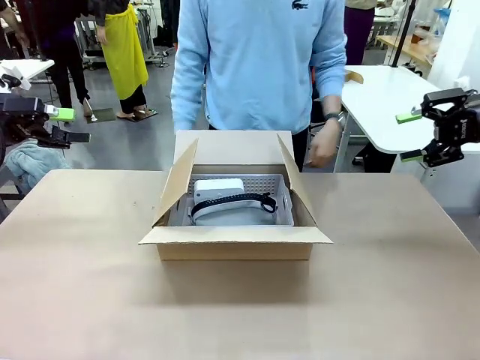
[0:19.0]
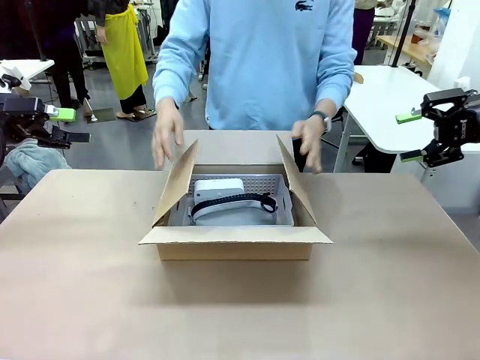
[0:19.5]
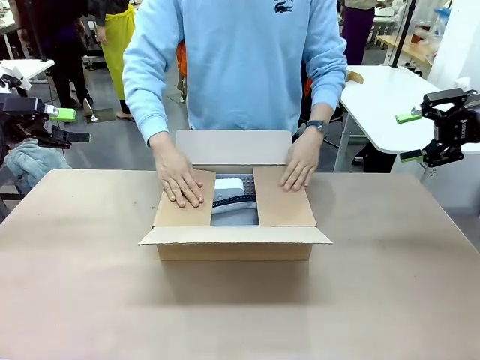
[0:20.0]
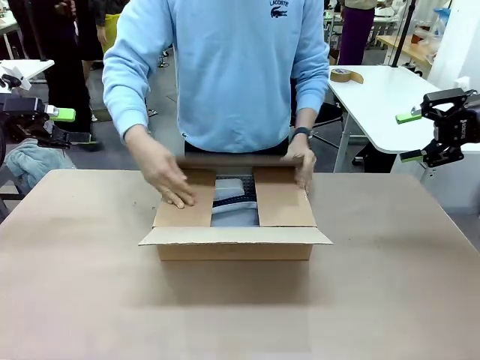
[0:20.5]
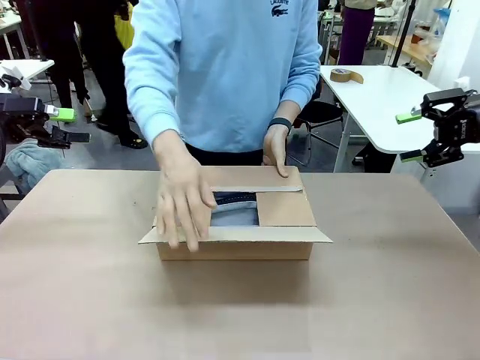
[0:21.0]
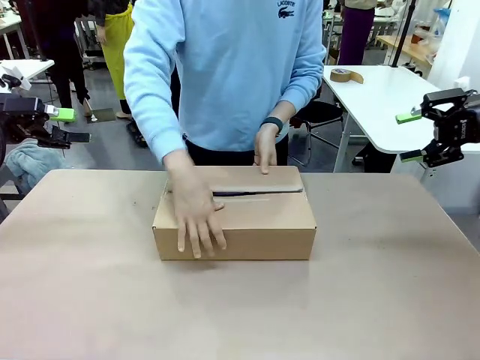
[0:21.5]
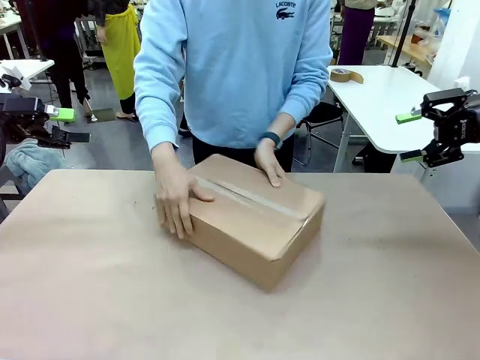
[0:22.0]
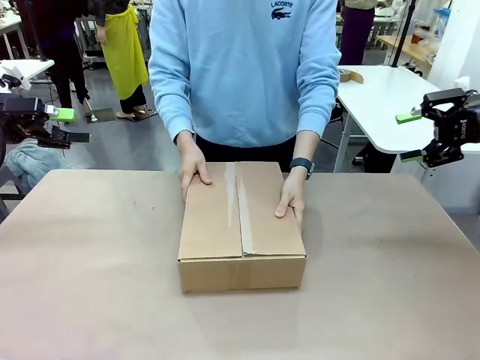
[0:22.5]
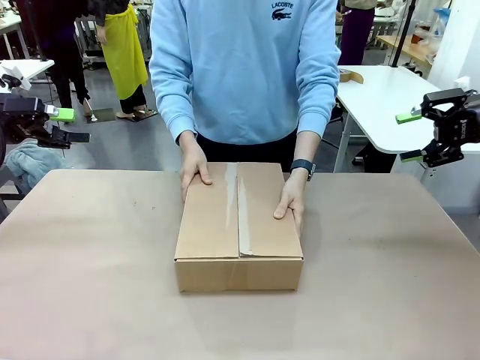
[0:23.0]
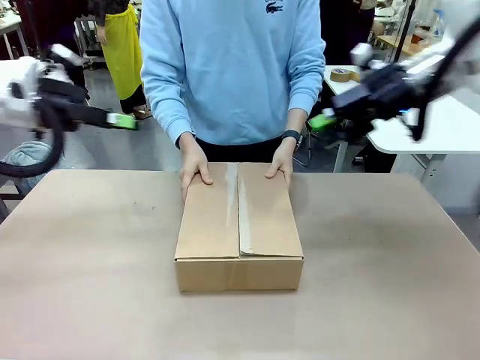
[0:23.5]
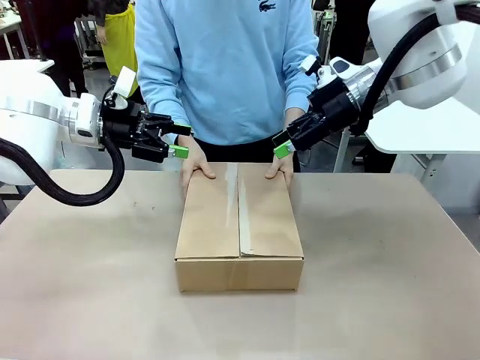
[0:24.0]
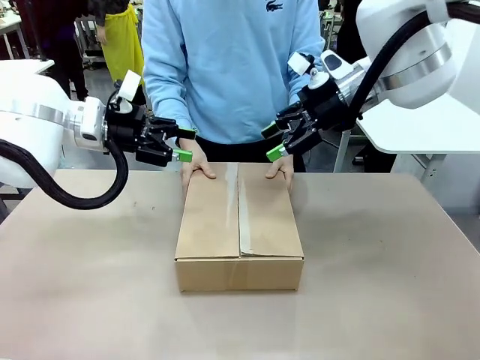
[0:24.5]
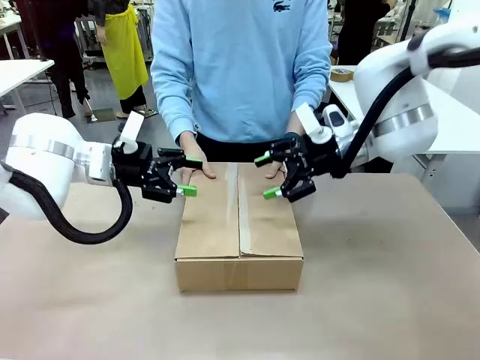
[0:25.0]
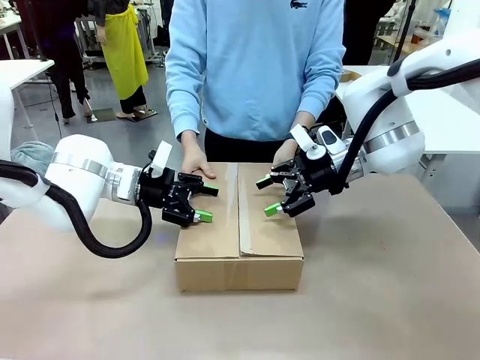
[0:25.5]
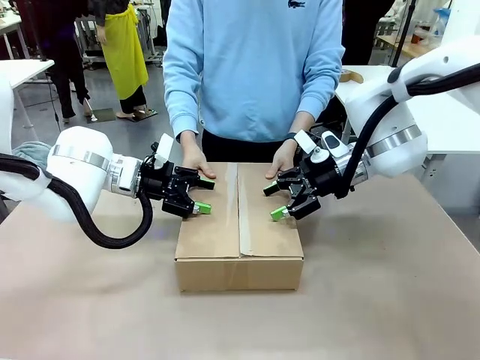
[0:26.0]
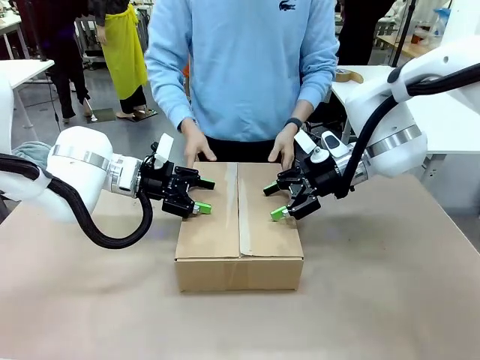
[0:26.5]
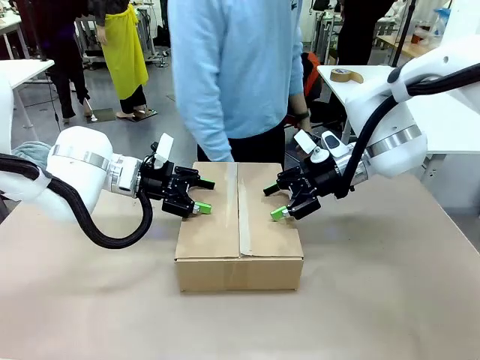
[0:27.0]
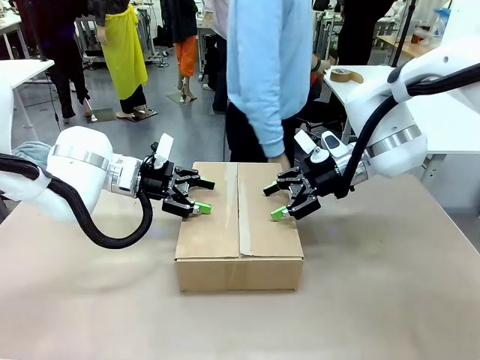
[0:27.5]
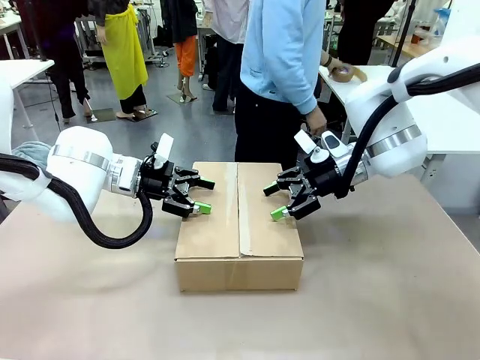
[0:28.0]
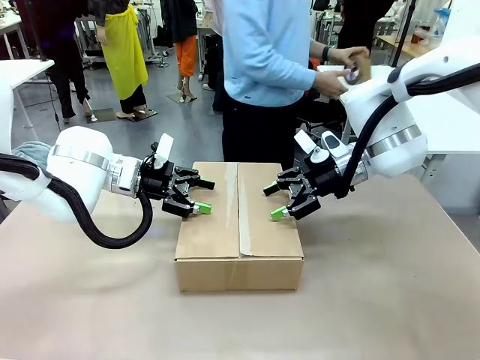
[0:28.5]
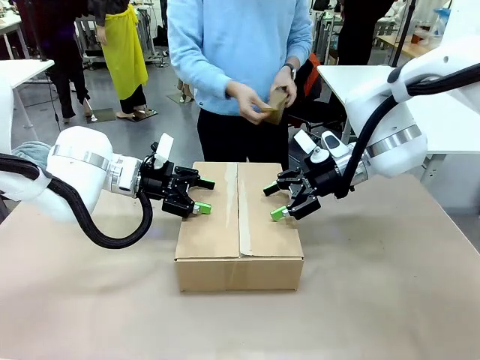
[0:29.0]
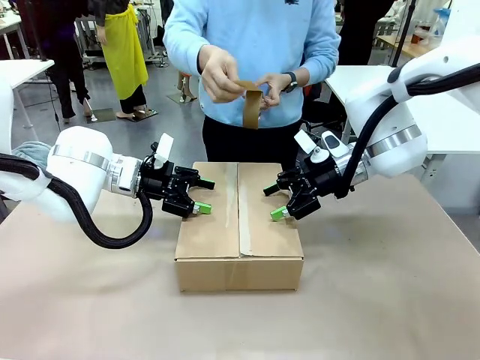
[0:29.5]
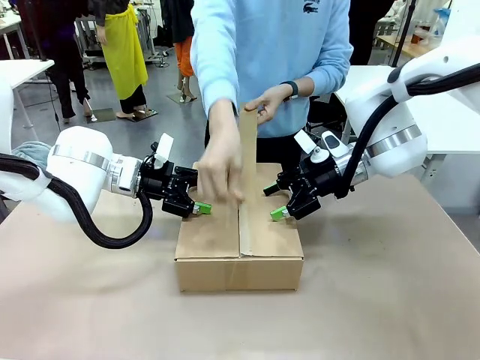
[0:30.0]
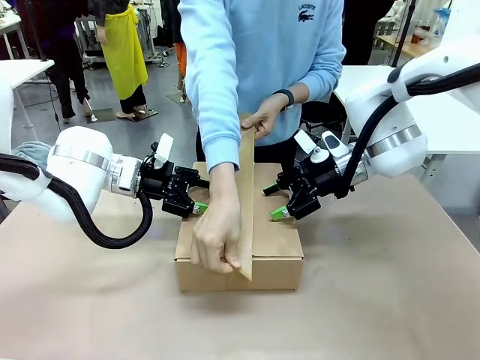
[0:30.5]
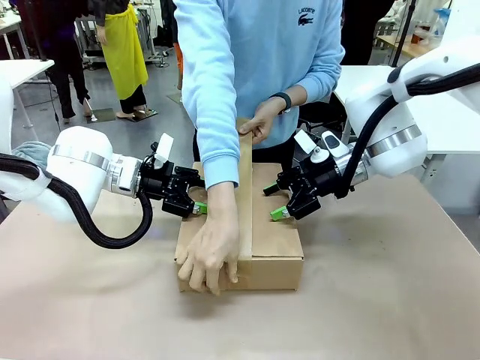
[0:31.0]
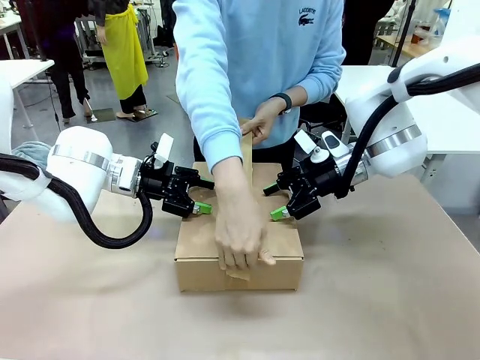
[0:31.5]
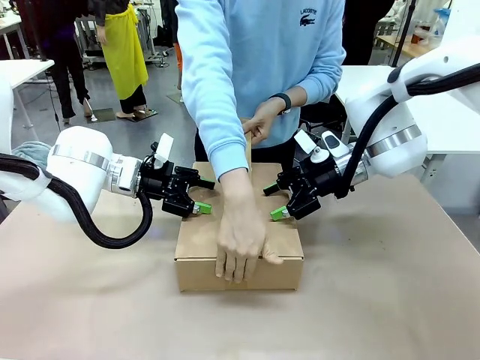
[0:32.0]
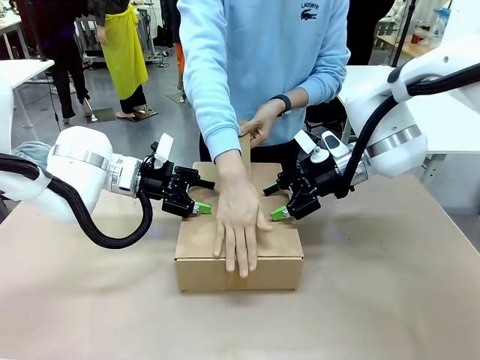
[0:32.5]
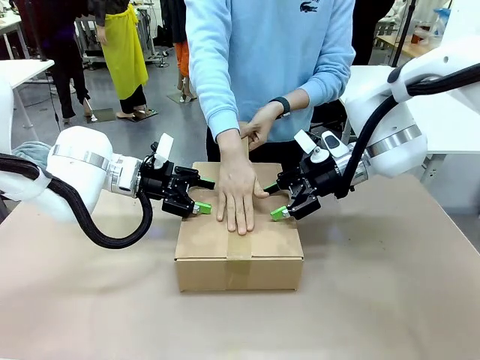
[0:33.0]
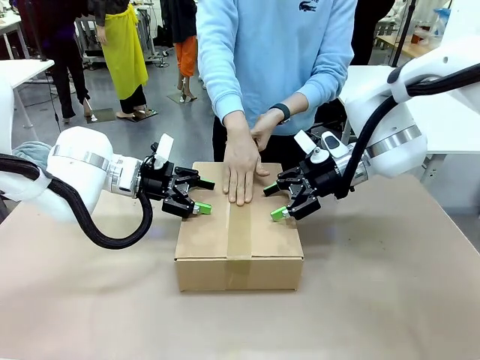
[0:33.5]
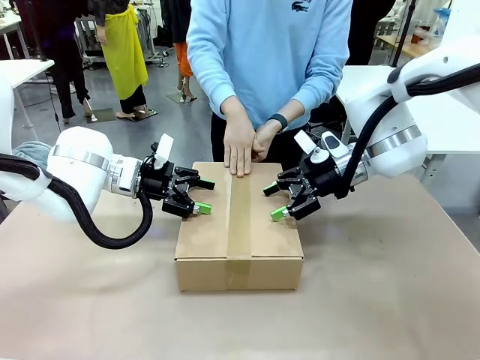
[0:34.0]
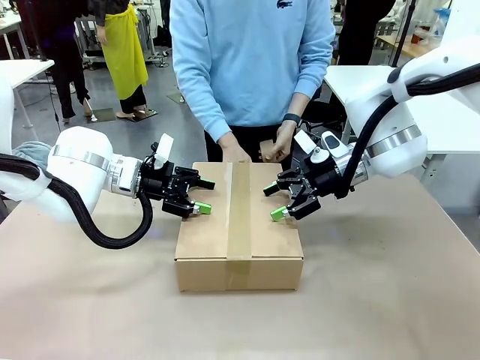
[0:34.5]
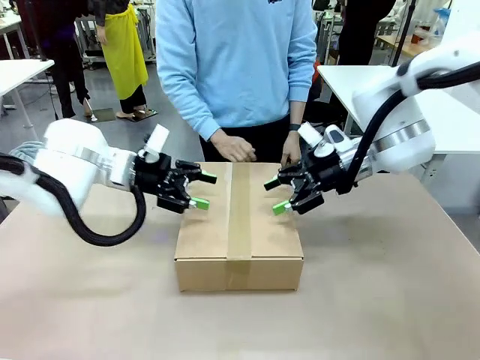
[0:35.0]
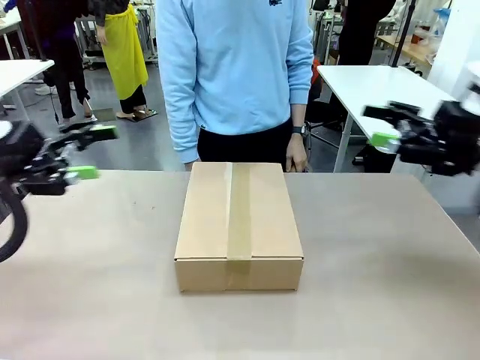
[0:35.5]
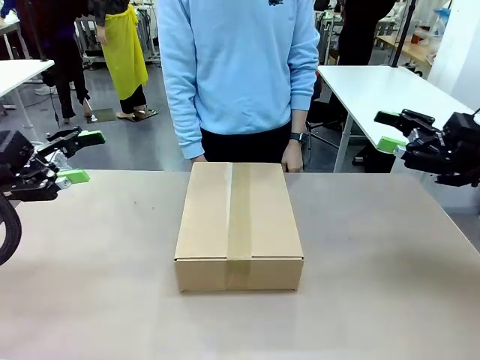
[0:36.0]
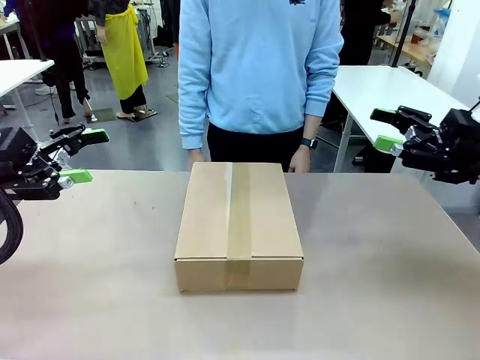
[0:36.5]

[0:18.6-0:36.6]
Task: Pack the gift set into the box.
Robot: Press and hold the closed box until the human finishes sealing it.
Person: The human closes the box and rotates the box by 90 degrees. The human picks up the paper tape from the human table and packs the box.

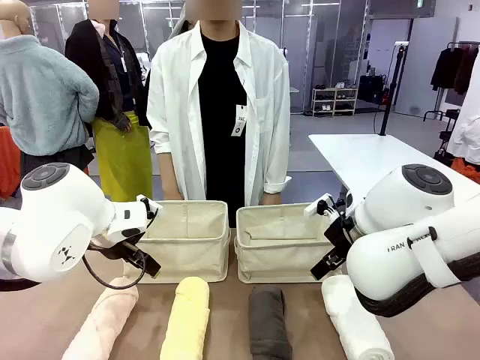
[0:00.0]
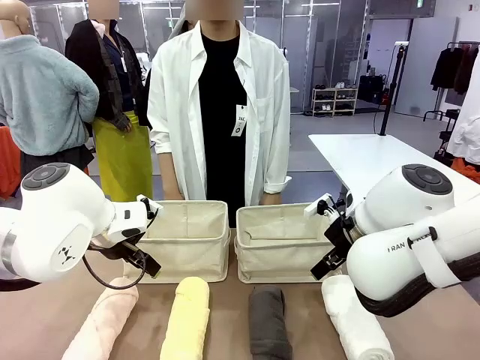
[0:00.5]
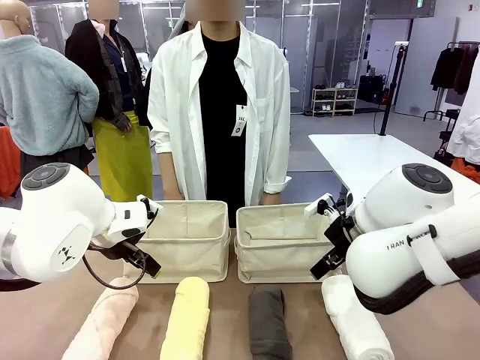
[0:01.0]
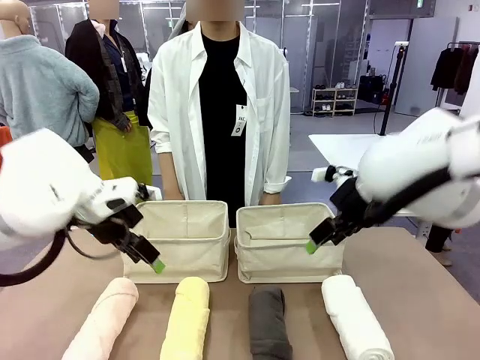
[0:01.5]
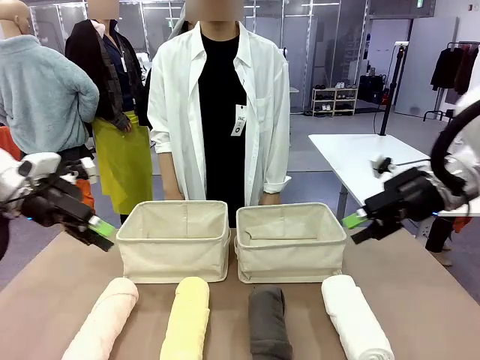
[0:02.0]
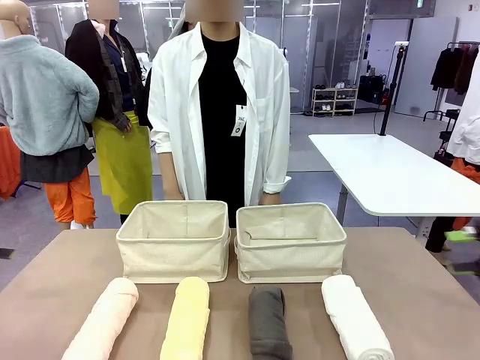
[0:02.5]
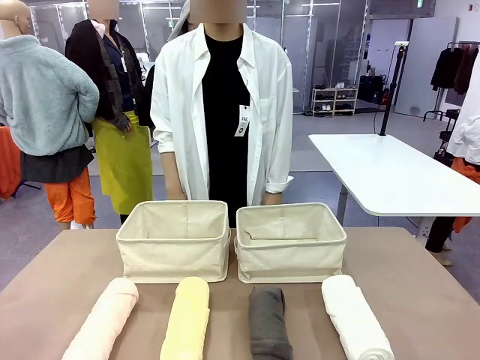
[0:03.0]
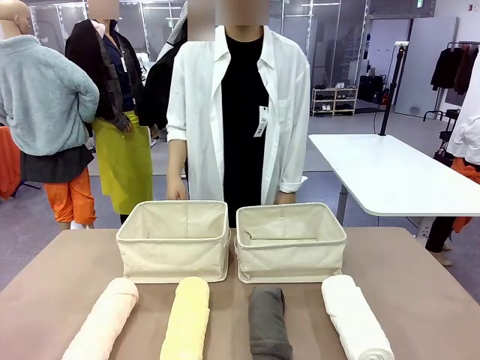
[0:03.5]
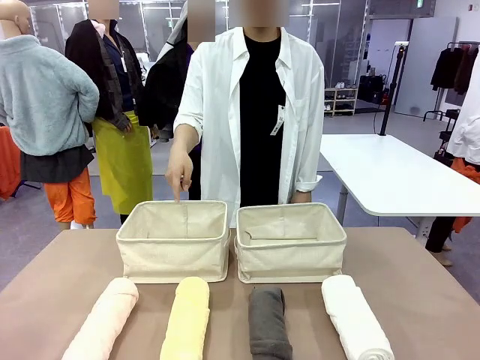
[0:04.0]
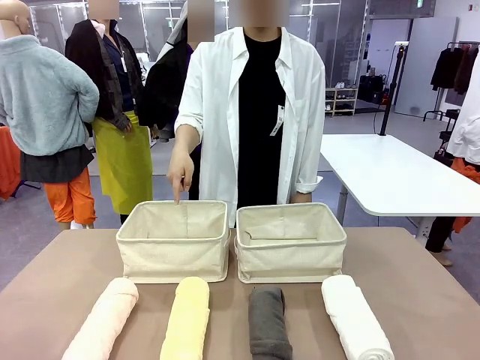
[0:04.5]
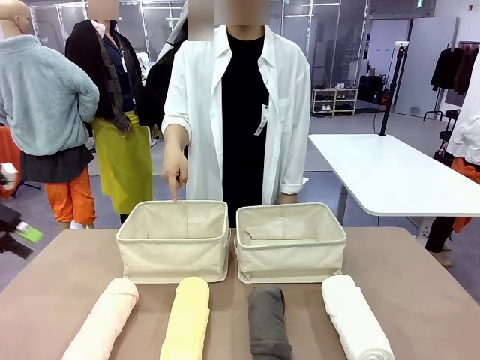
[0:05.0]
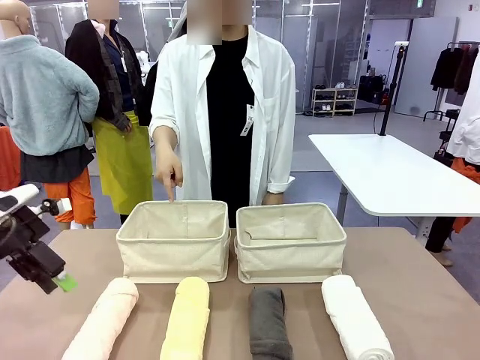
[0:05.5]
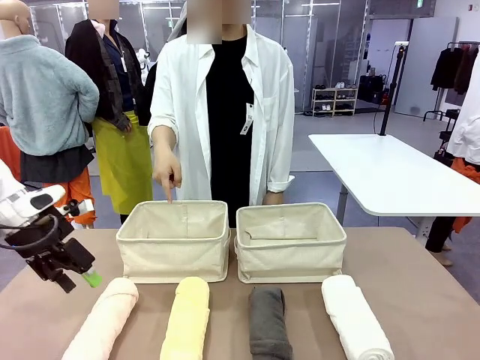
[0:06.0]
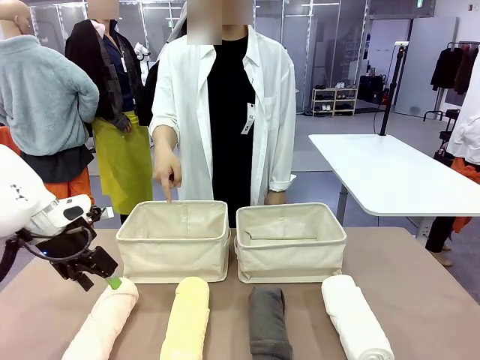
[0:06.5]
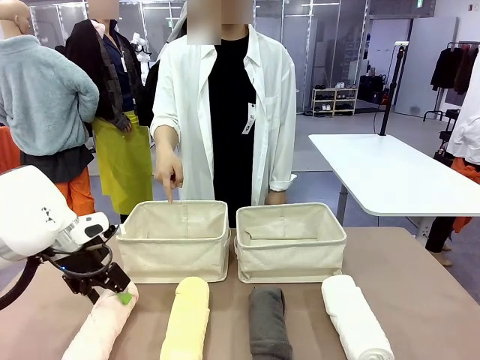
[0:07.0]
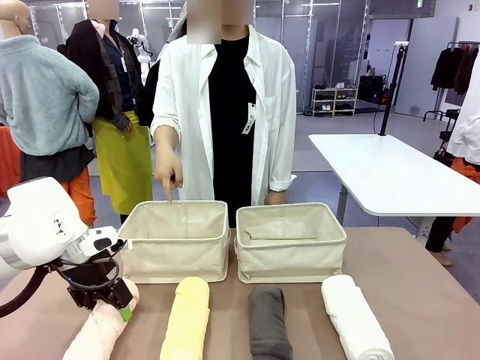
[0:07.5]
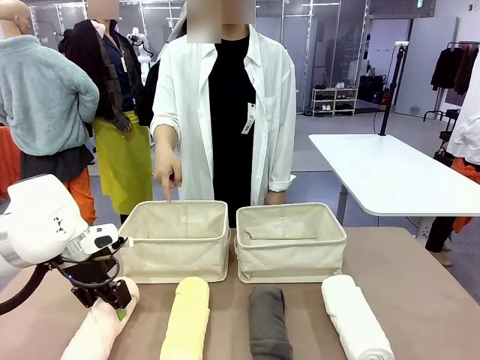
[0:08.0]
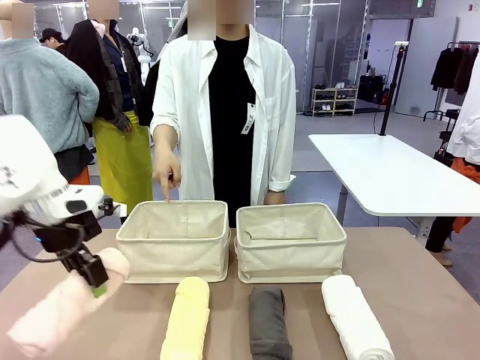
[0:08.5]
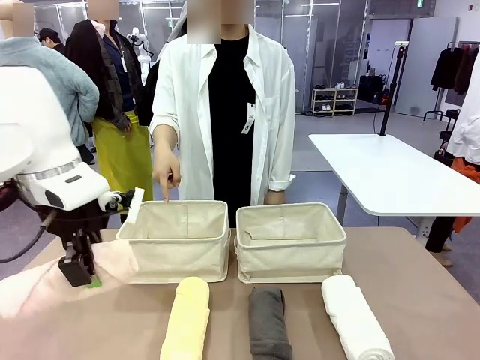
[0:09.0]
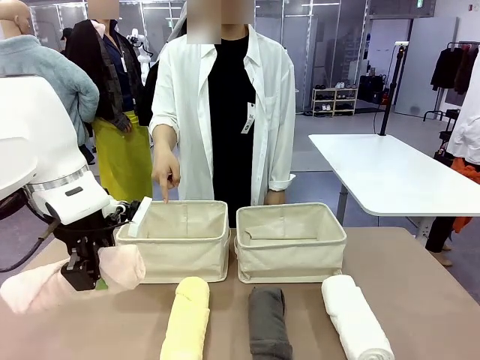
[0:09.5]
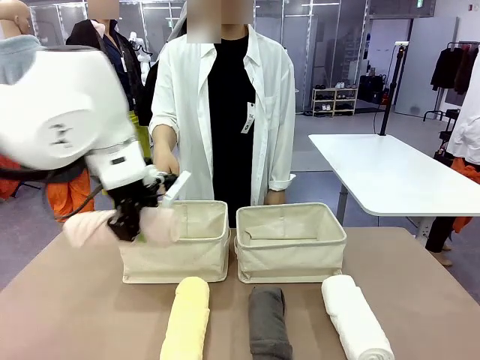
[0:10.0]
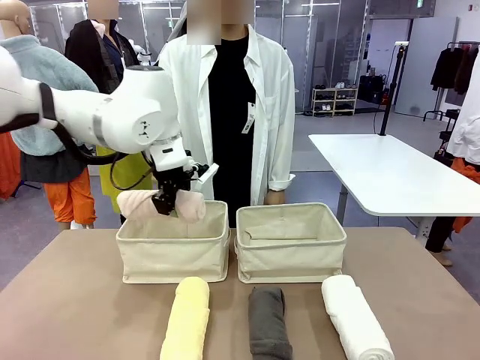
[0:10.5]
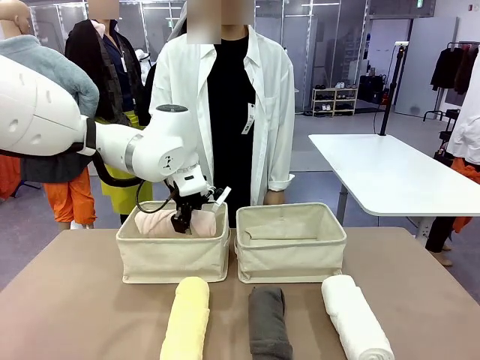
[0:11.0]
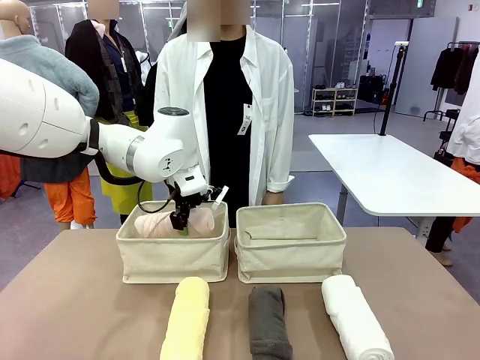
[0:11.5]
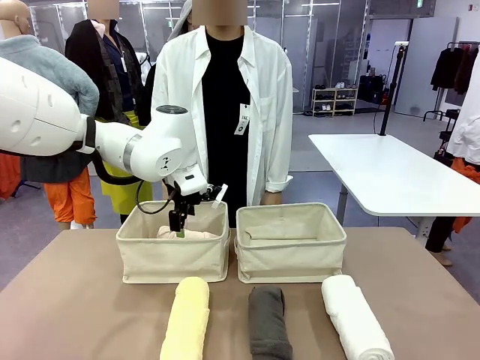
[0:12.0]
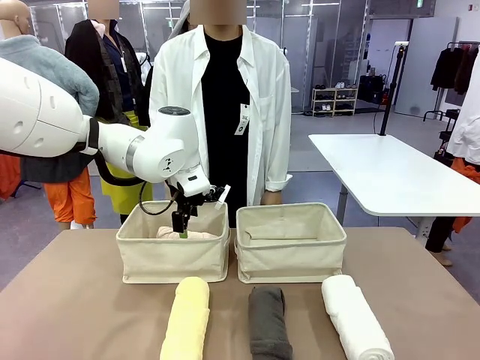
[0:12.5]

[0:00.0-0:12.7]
Task: Divide the towels into two baskets.
Robot: Pick up one hotel-folded towel and place it in the Fabric basket indicated by the person.
